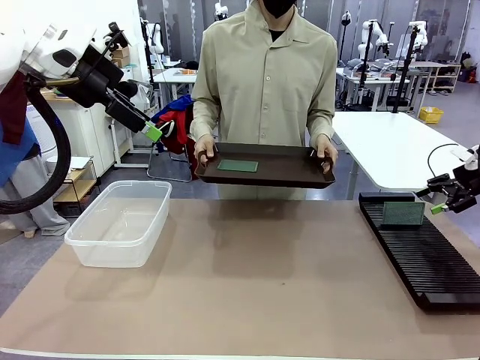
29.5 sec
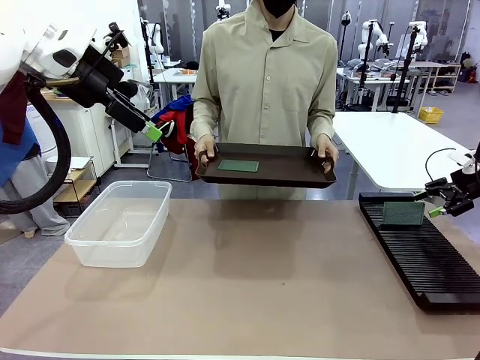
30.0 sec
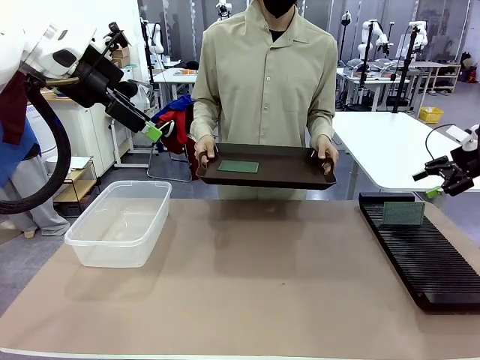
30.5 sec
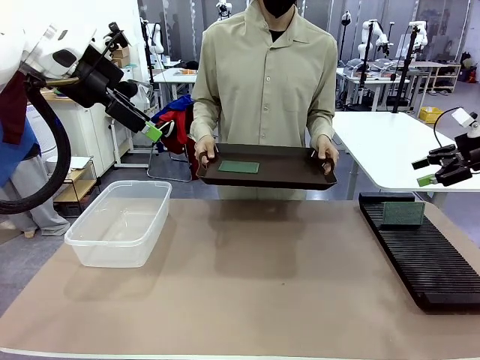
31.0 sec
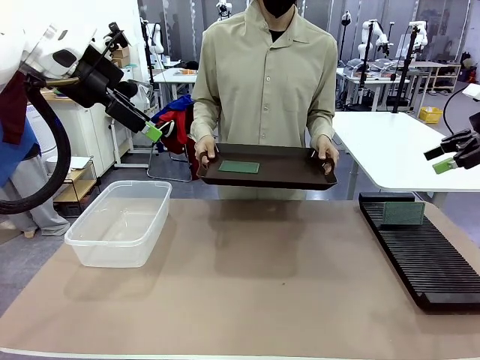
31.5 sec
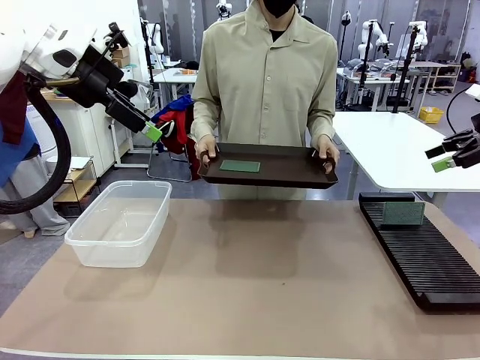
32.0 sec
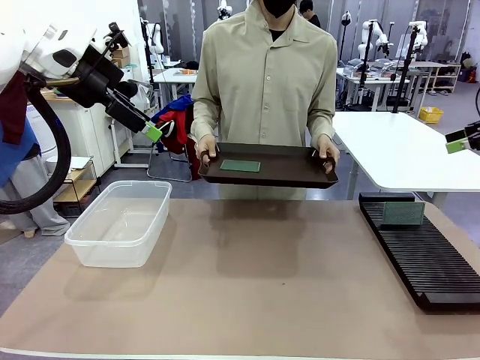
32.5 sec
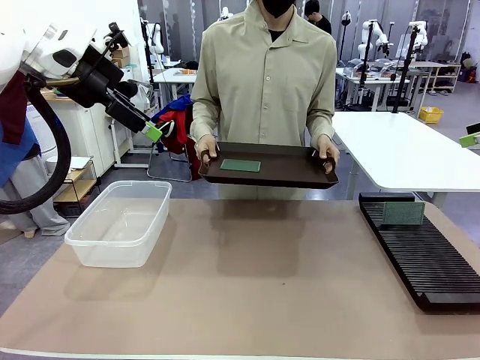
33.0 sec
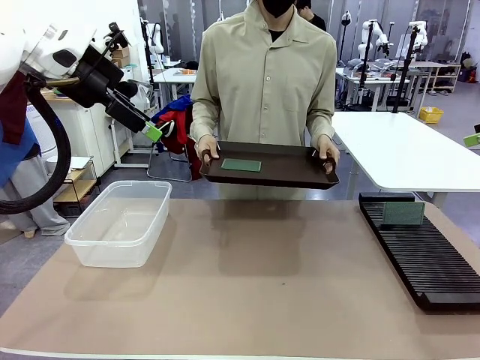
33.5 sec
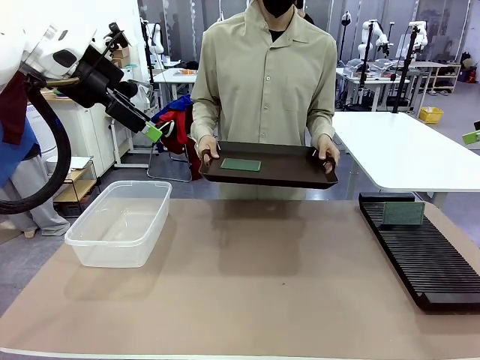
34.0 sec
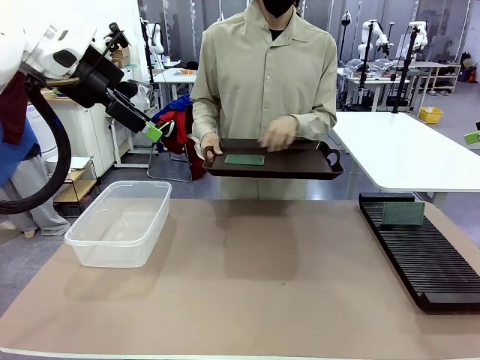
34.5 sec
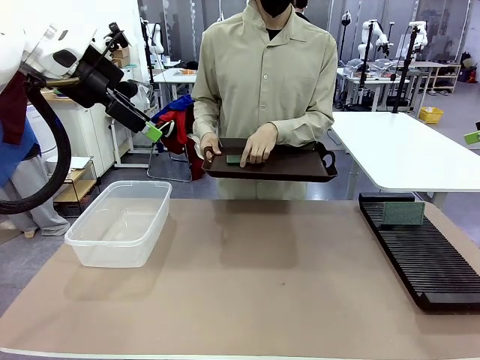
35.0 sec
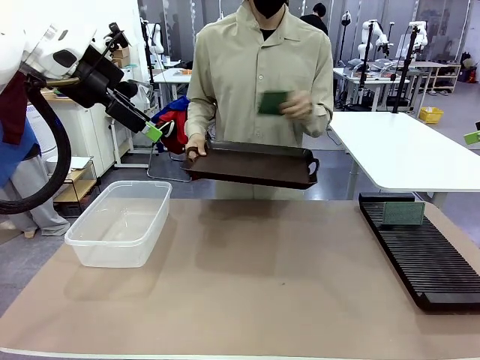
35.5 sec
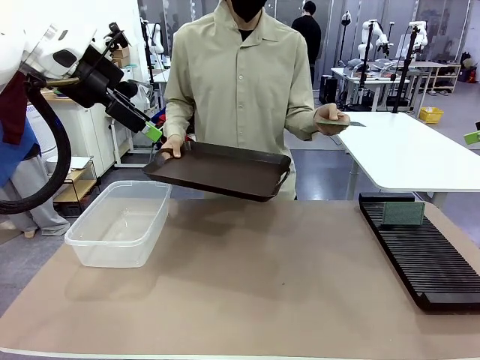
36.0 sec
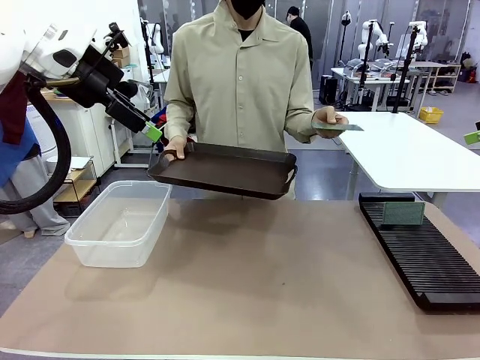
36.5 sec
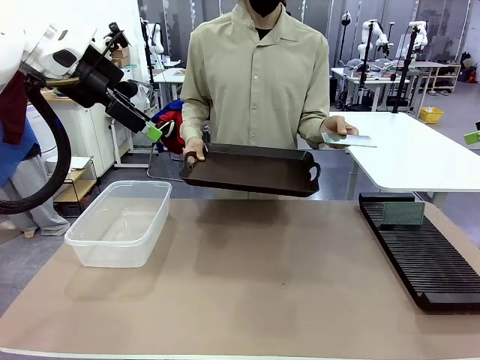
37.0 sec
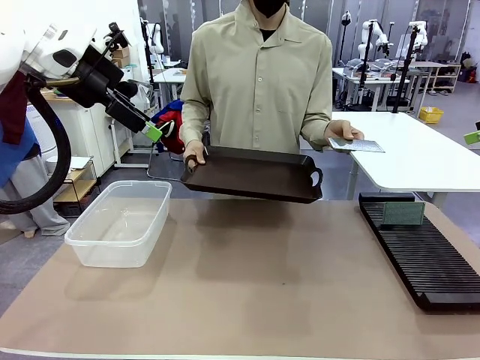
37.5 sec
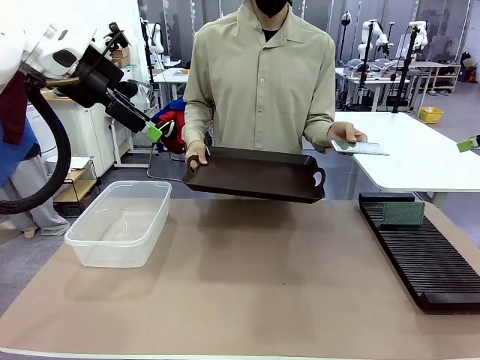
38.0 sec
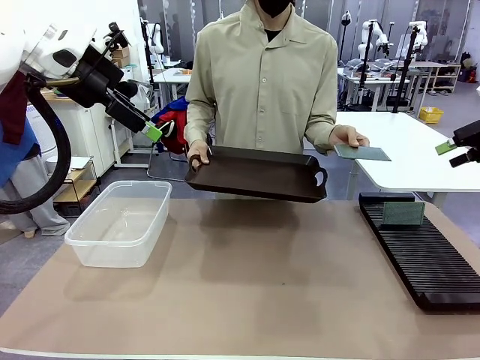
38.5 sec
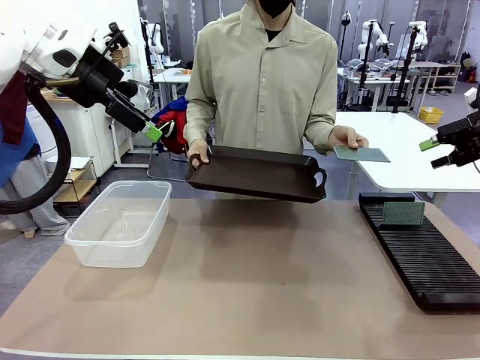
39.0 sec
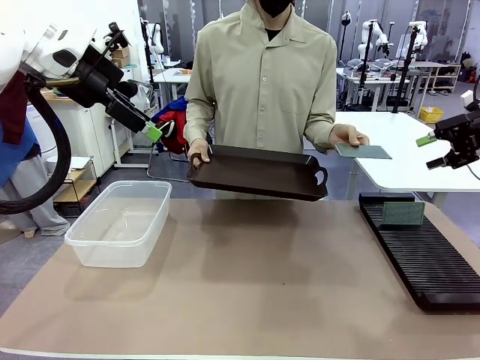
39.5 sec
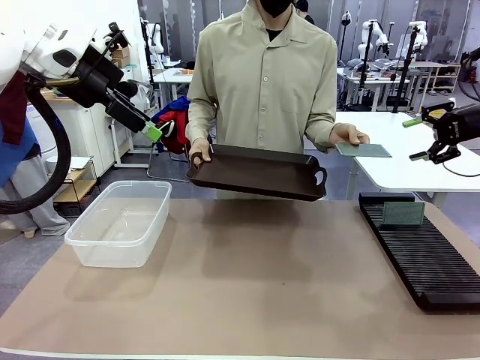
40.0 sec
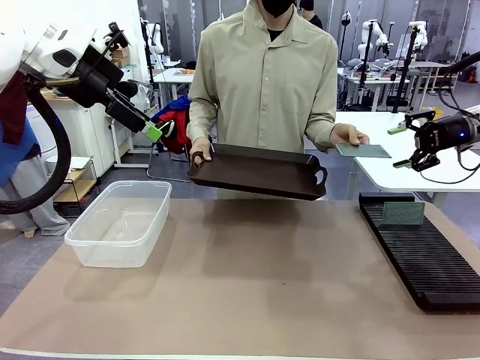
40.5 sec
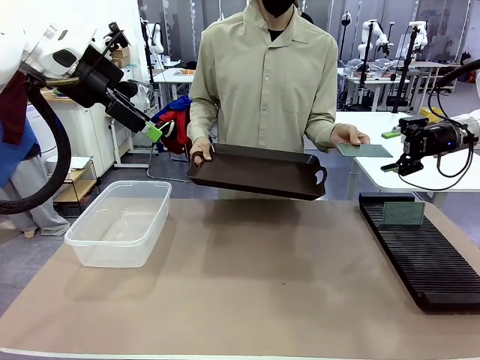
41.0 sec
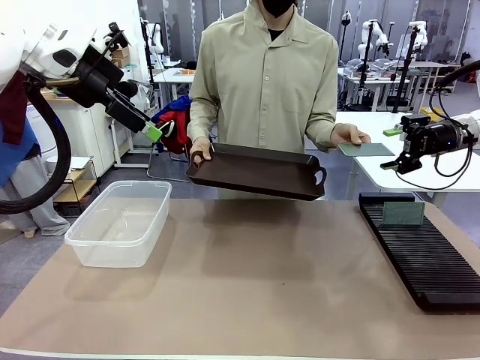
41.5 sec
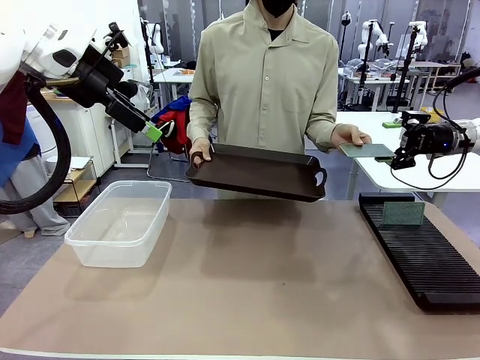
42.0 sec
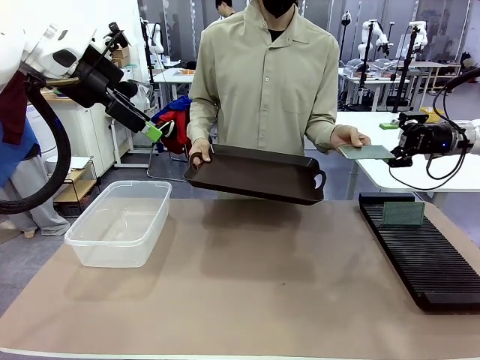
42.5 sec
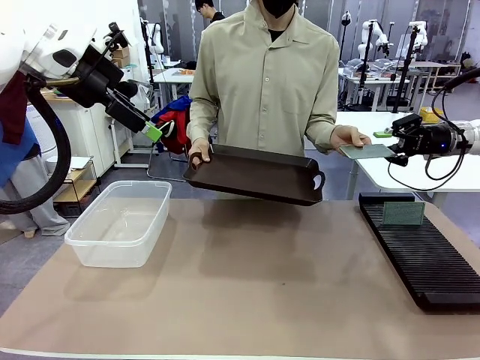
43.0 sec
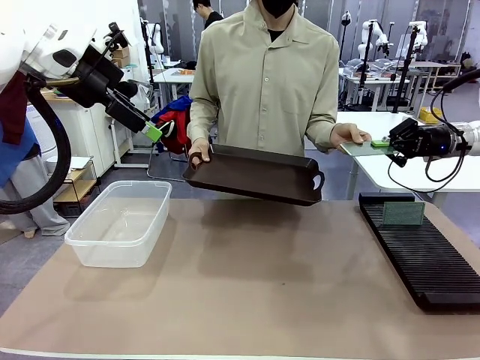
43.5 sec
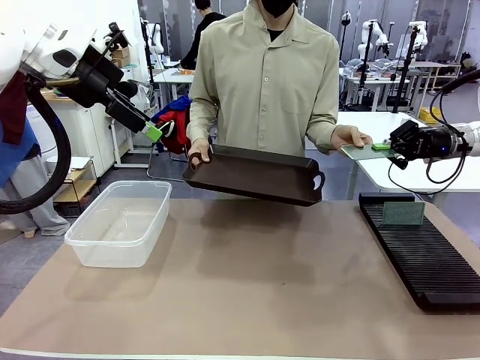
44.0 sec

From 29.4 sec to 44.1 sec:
Task: Sort PCBs into racks and boxes based on the side picked up.
Robot: Pick up the Blank PCB handed by the Human.

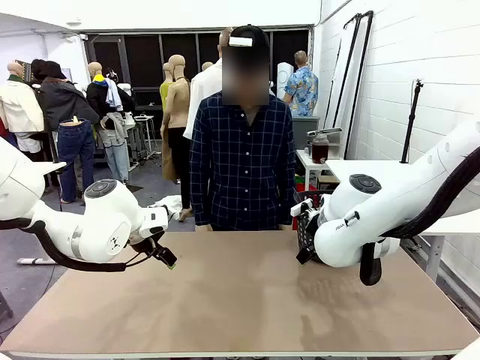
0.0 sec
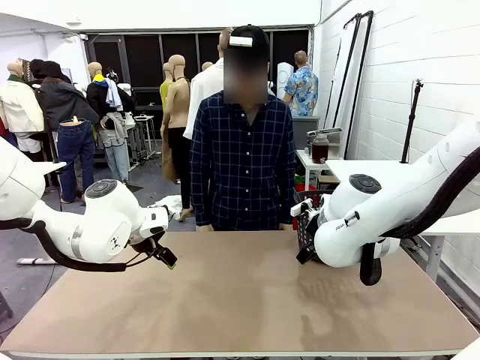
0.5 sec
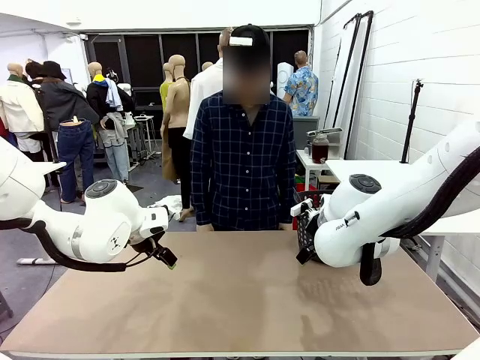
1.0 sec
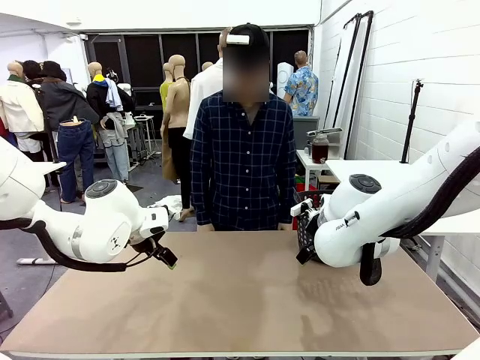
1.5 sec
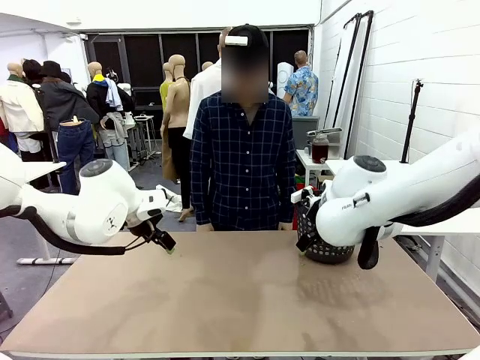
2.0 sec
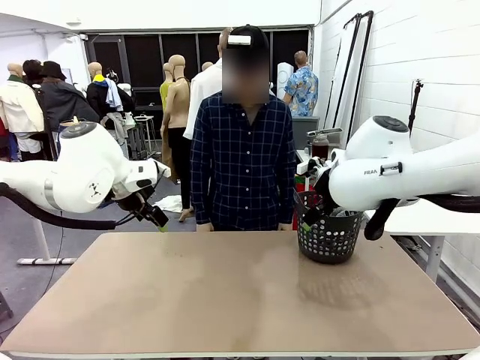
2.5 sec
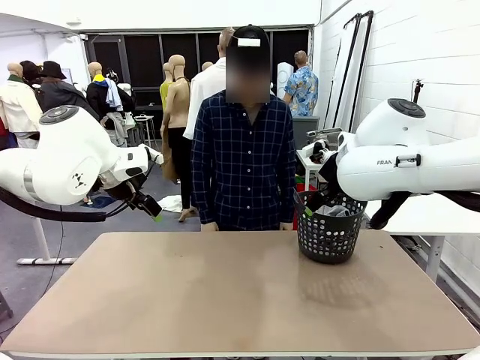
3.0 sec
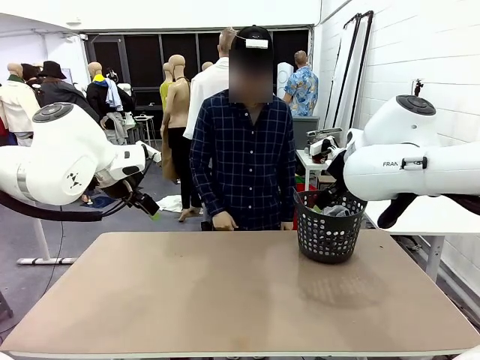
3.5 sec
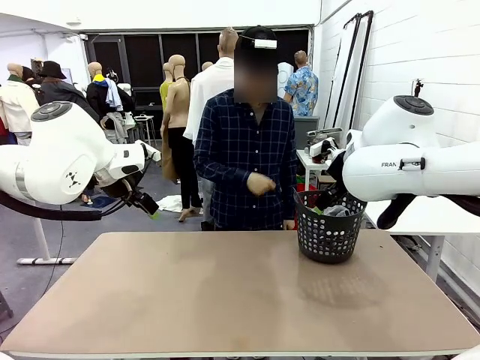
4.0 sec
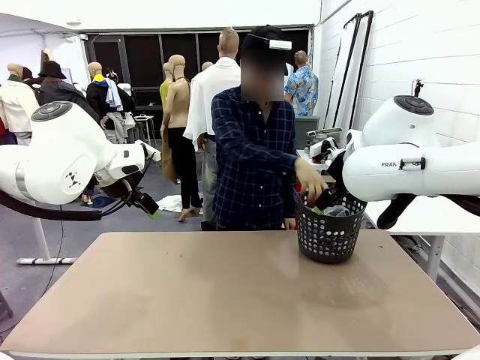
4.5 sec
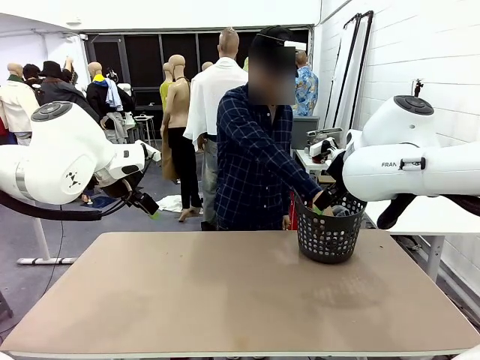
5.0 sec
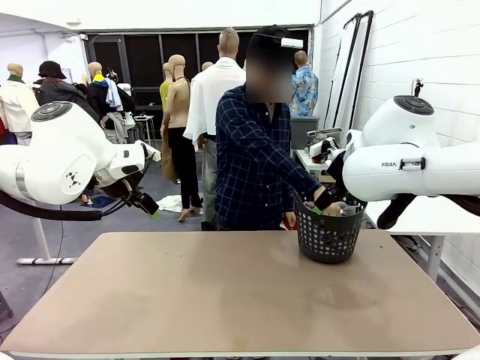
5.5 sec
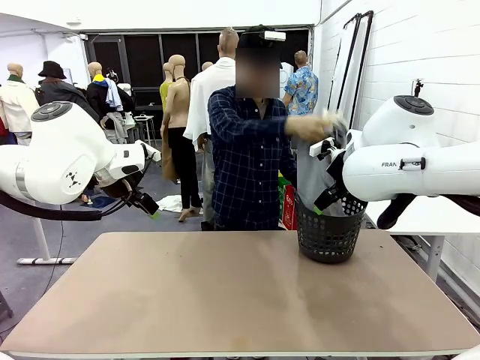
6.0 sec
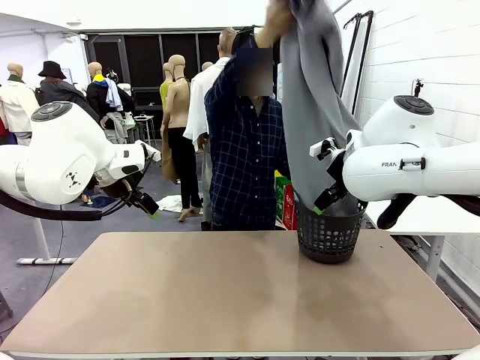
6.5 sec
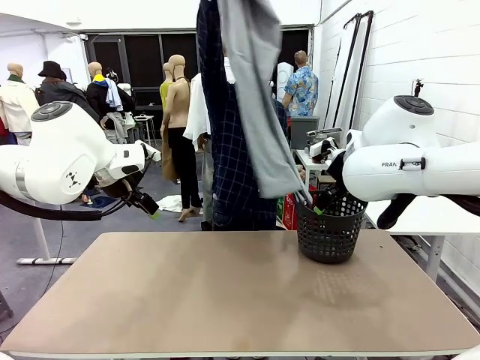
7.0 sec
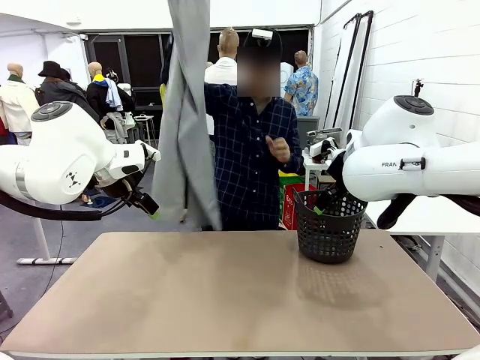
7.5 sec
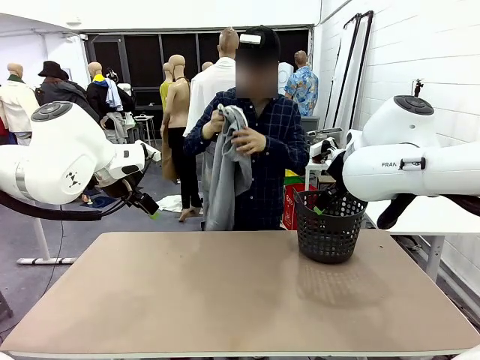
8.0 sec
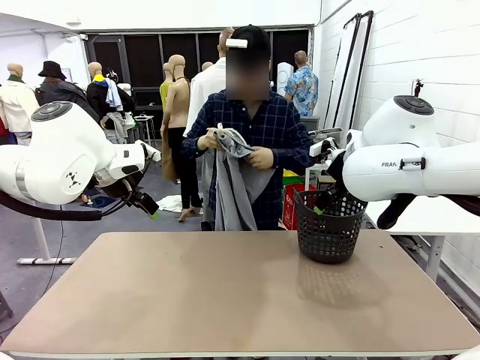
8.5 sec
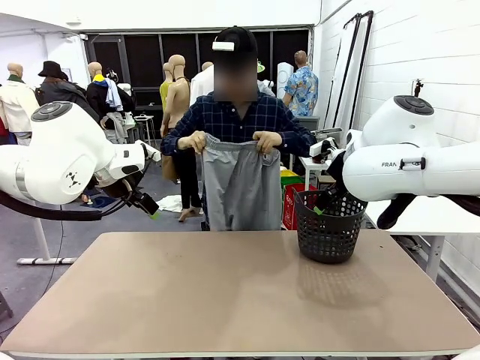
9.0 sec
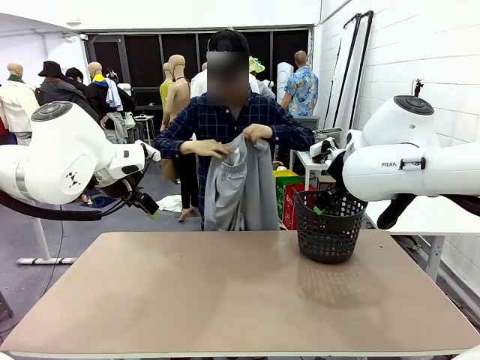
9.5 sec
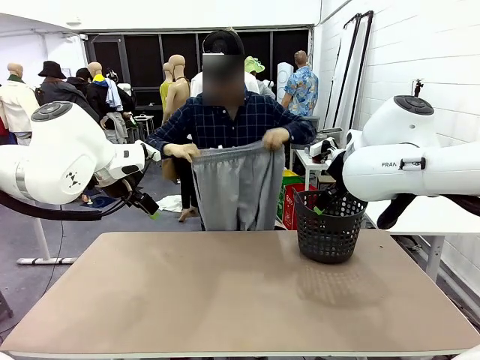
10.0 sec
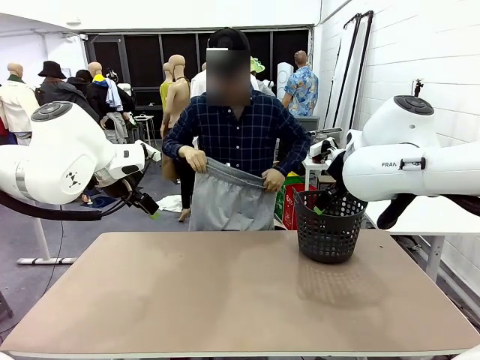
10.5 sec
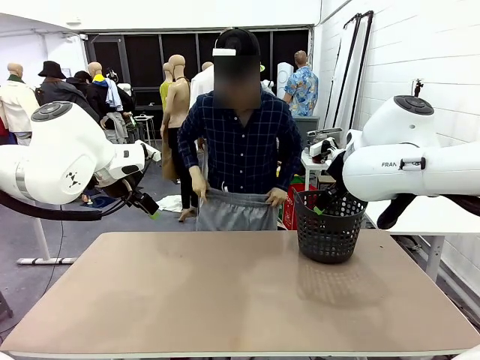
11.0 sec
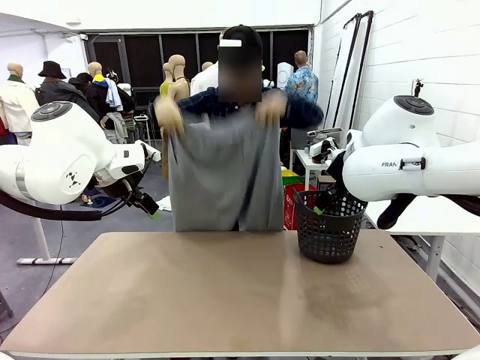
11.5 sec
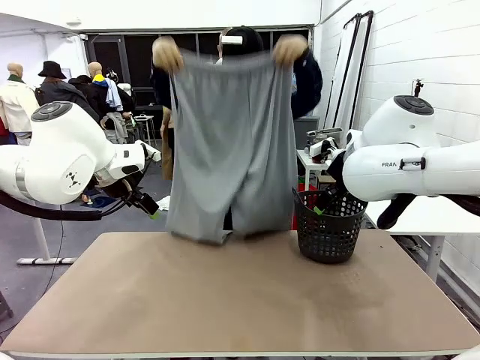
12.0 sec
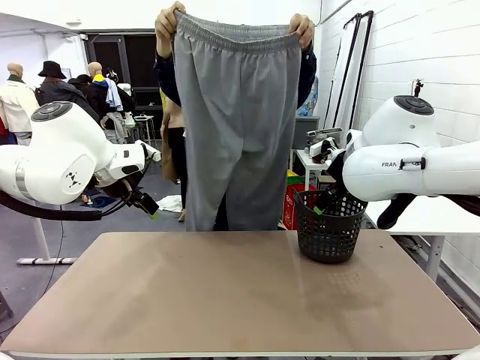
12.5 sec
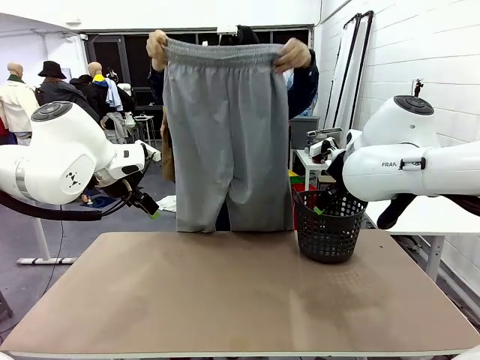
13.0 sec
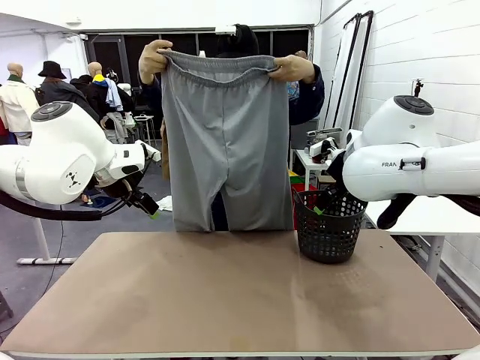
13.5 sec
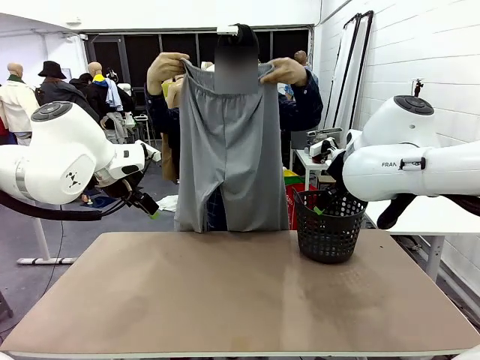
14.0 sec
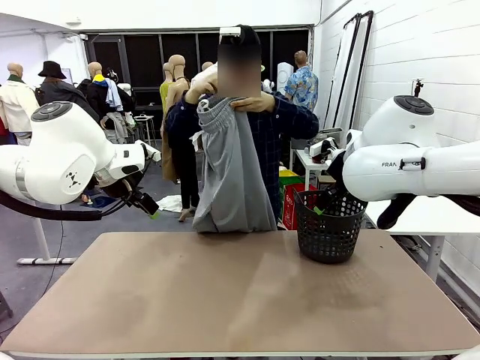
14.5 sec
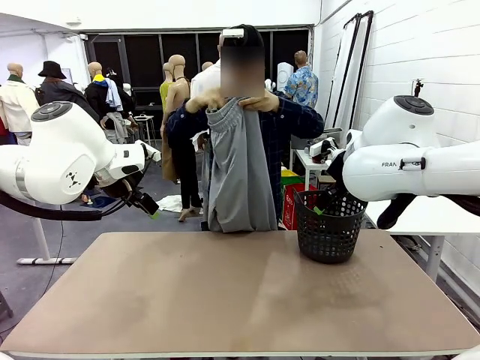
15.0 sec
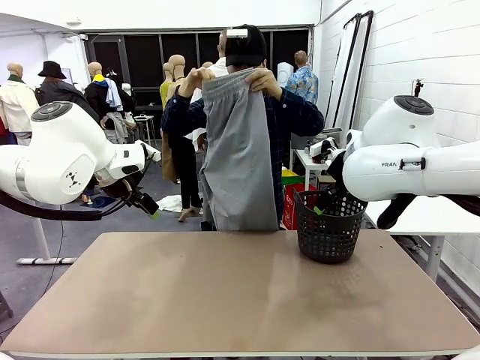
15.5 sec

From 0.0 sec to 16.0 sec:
Task: Fold the training pants.
Robot: Grab both ends of the Training pants handed by a person.
Person: Take the long pants out of the laundry basket, unfold them, fold the waist in half, and extend them so the robot can pick up both corners.
